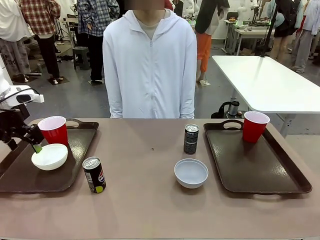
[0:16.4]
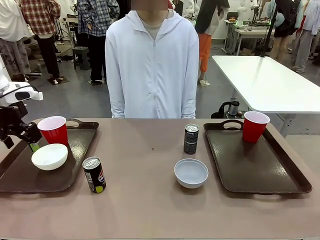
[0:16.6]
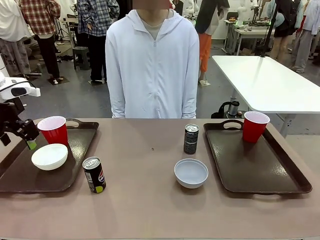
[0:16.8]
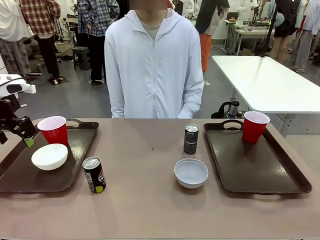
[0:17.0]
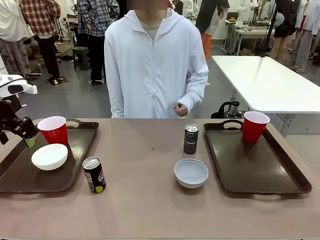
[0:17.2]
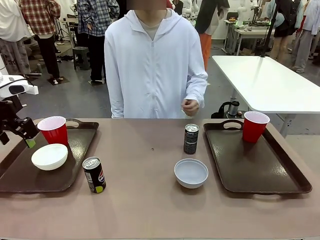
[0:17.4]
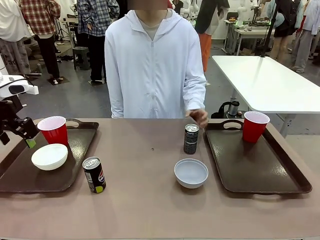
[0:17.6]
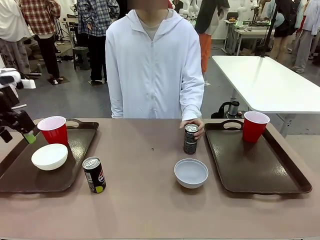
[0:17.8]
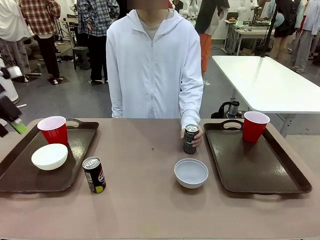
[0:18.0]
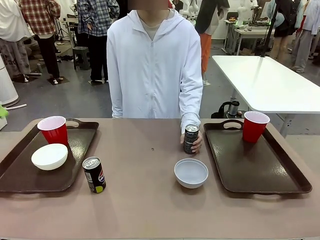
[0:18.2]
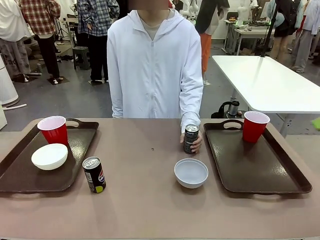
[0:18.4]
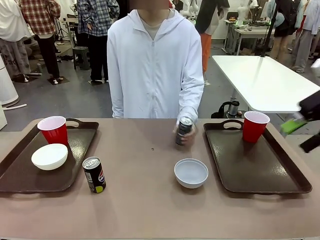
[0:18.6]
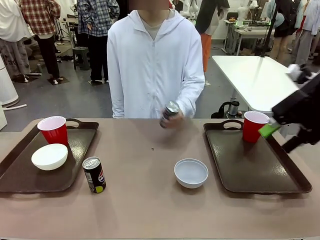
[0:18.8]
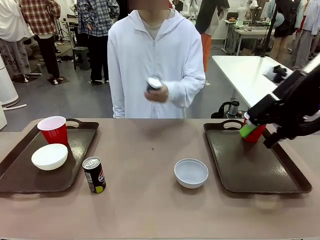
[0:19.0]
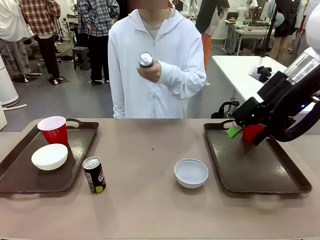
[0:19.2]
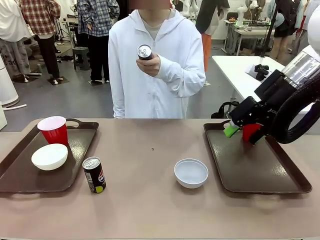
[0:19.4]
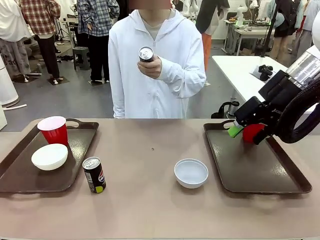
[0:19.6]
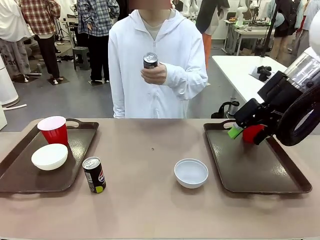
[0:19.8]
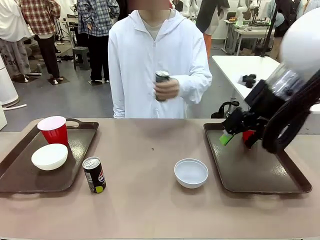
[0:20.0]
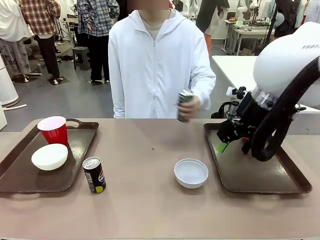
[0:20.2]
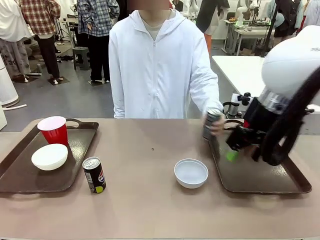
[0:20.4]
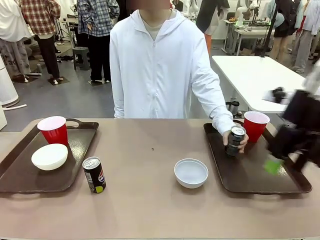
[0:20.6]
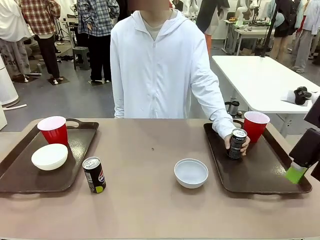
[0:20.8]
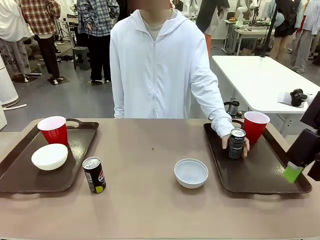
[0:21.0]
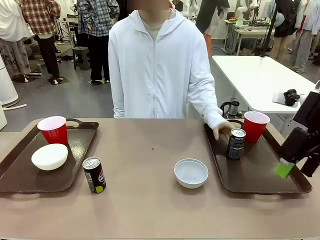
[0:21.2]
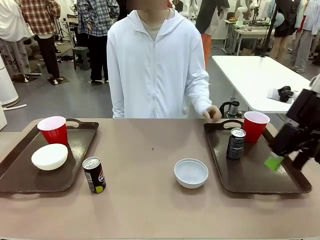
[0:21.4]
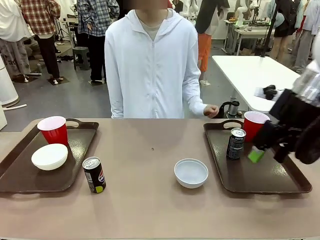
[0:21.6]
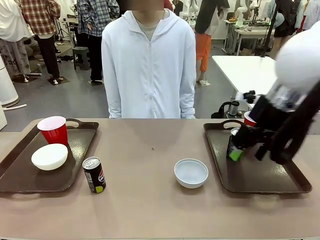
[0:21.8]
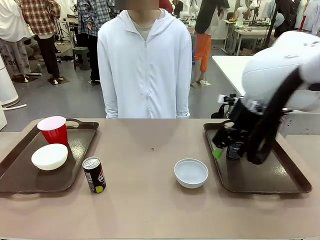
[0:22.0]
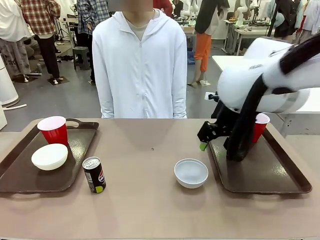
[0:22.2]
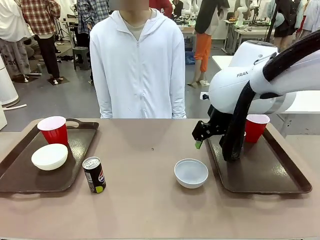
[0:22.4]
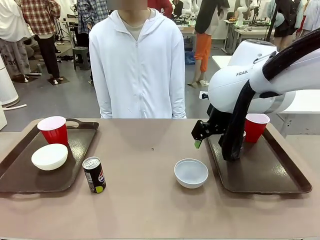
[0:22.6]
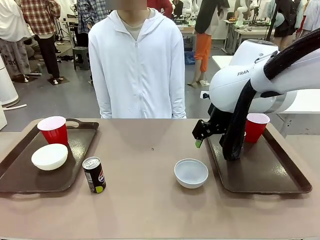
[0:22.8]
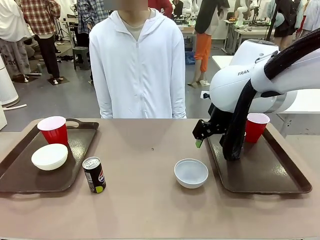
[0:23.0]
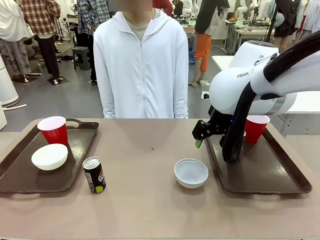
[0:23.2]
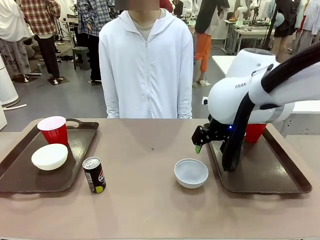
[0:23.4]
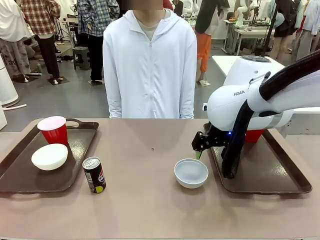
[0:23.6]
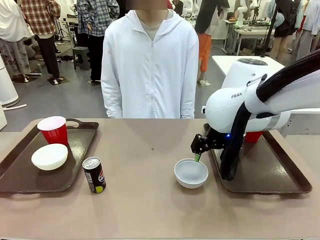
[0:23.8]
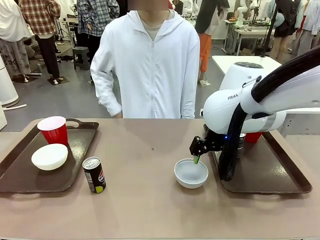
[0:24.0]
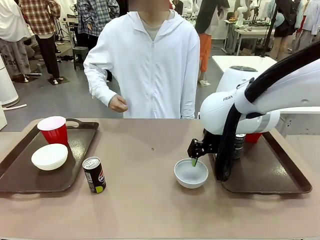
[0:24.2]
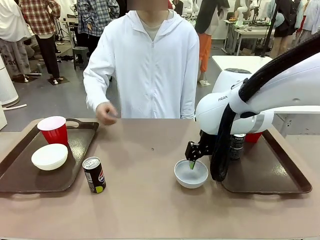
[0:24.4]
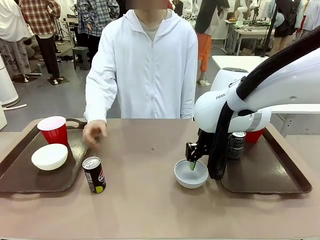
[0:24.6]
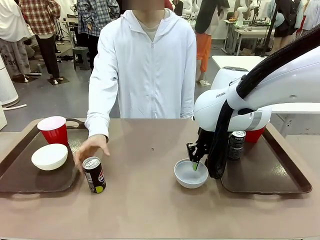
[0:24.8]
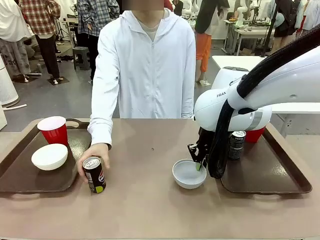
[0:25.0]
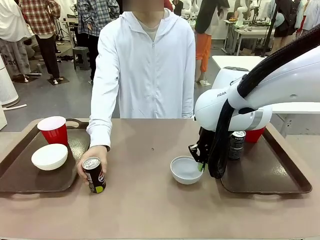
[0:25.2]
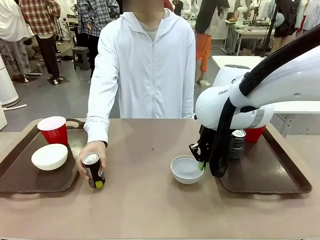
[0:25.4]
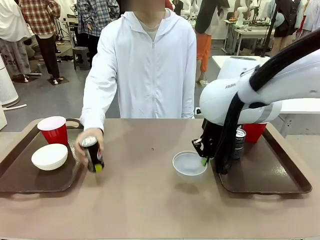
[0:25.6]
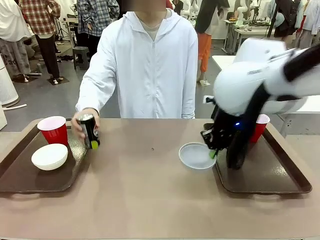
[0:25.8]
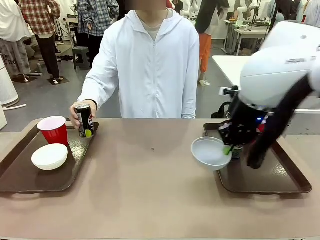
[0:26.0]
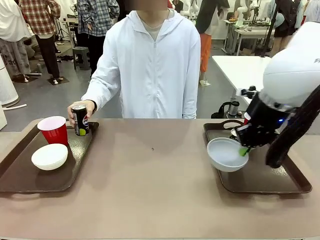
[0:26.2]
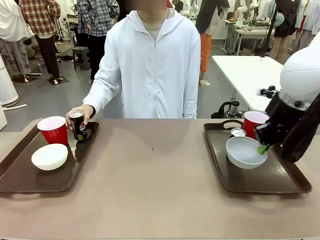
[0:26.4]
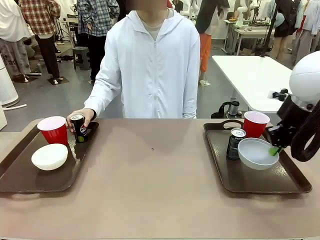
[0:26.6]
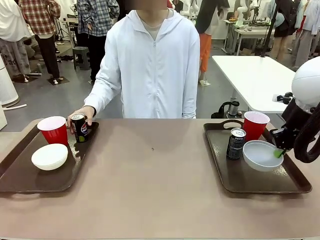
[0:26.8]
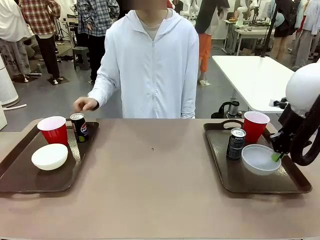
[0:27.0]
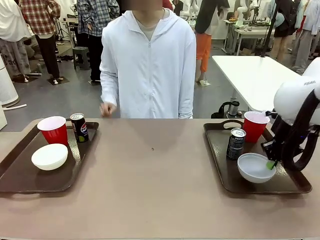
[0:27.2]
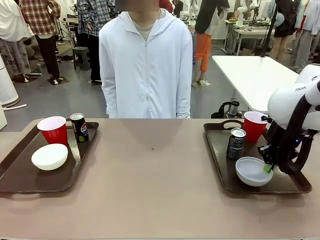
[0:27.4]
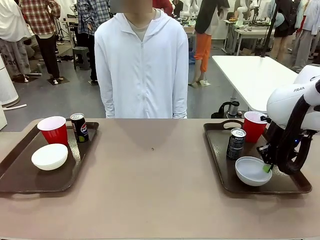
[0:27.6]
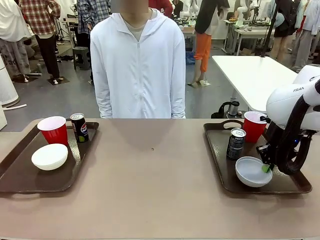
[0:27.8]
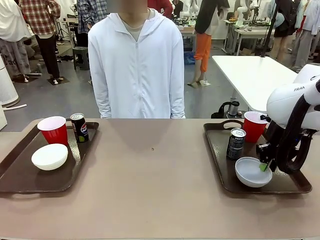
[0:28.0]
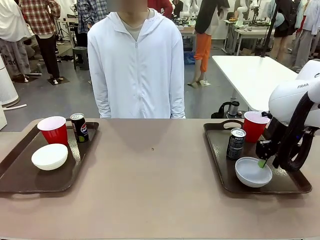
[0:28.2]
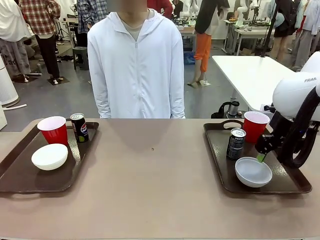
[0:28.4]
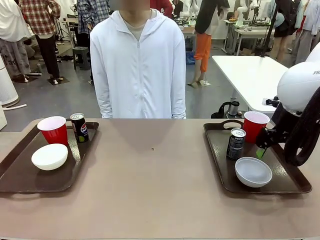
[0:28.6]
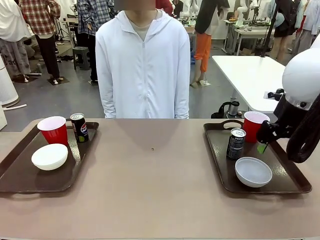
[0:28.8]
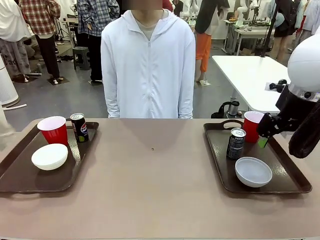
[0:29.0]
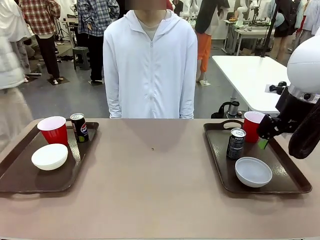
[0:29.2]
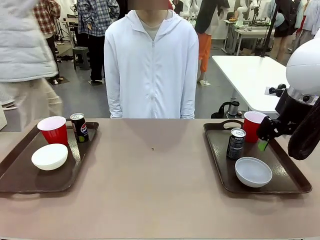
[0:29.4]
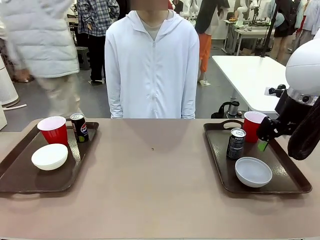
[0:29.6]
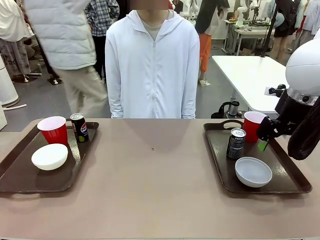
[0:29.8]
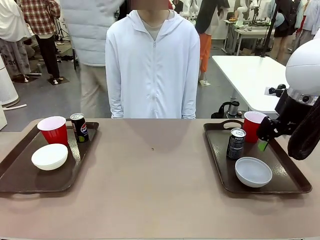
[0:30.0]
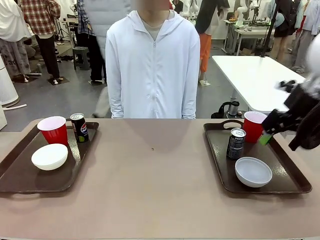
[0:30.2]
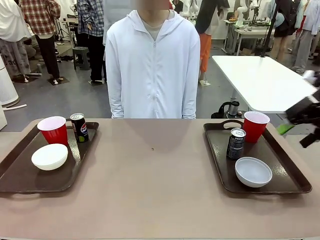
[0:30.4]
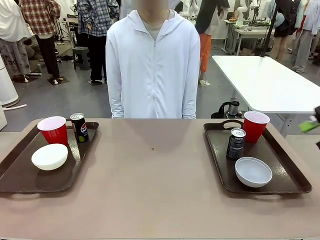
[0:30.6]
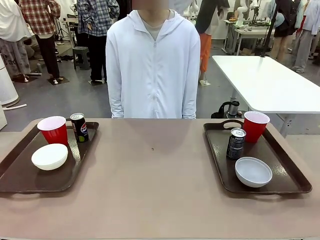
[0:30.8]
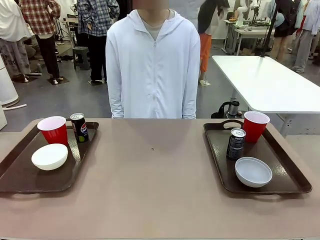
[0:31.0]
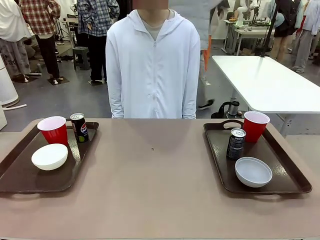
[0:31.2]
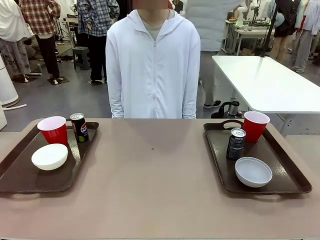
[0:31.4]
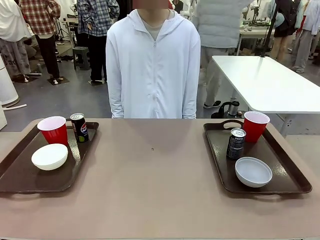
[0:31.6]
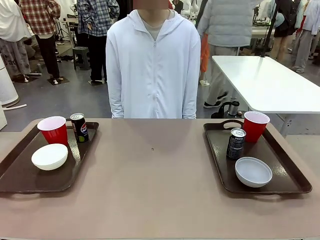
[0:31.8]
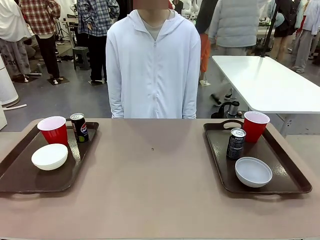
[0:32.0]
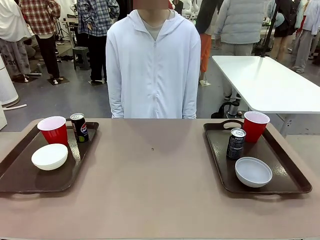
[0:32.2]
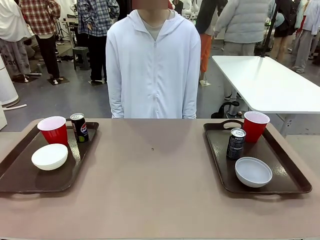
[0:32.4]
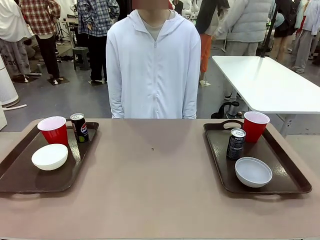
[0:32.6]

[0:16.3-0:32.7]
Task: Prepare tableware on both trays.
Robot: Pick up a Picnic Bowl from the table and place it on a Handle tray.
Person: Pick up a can or cup and place it on the tray without a can or cup.
